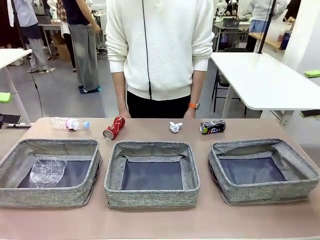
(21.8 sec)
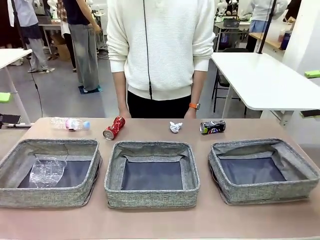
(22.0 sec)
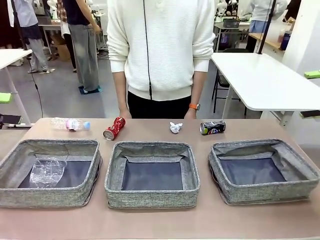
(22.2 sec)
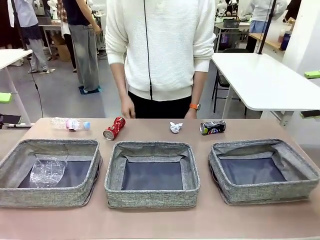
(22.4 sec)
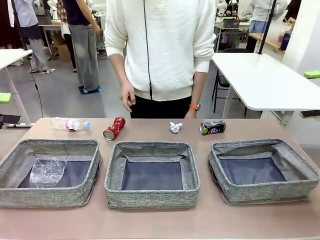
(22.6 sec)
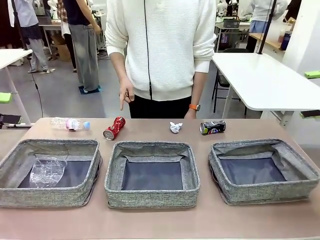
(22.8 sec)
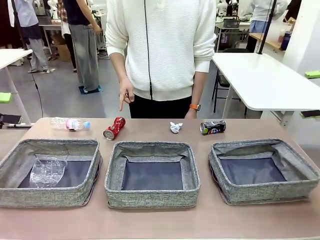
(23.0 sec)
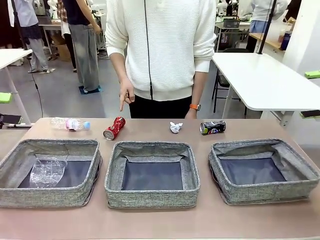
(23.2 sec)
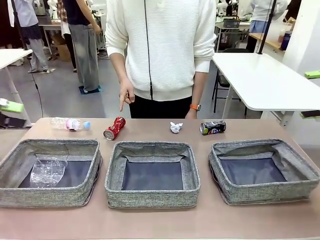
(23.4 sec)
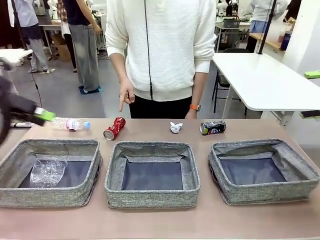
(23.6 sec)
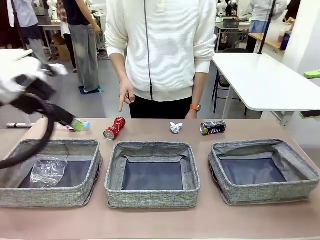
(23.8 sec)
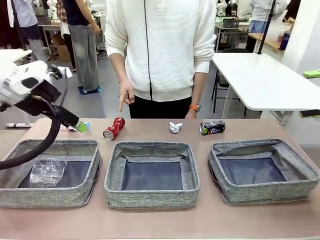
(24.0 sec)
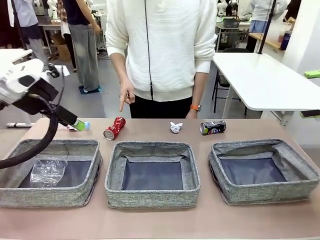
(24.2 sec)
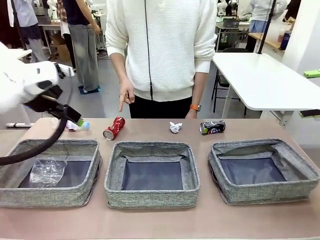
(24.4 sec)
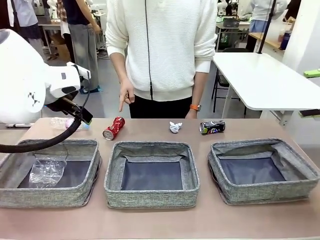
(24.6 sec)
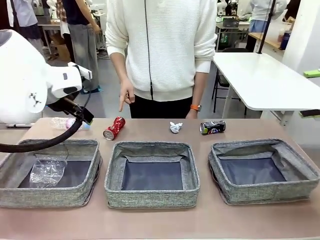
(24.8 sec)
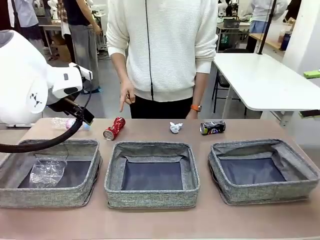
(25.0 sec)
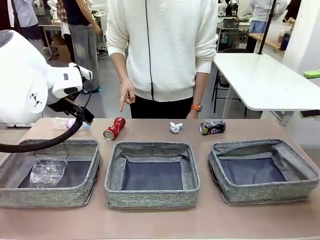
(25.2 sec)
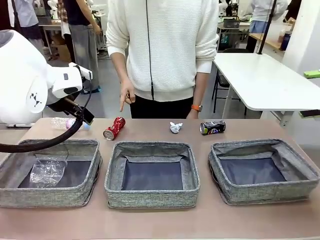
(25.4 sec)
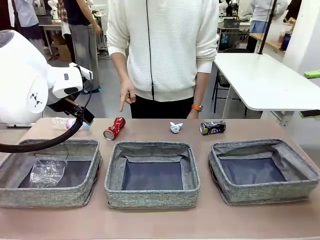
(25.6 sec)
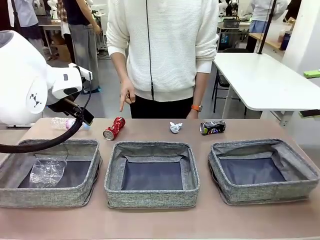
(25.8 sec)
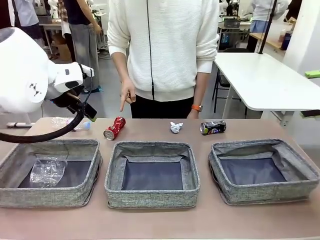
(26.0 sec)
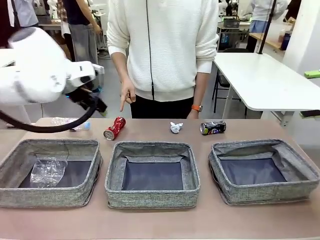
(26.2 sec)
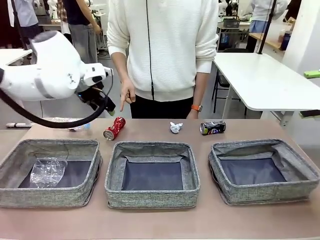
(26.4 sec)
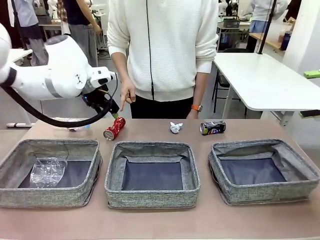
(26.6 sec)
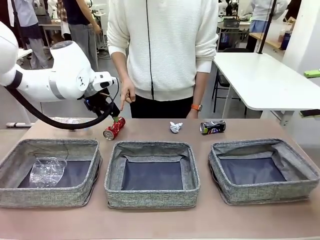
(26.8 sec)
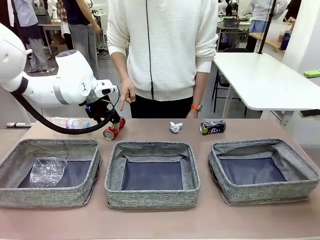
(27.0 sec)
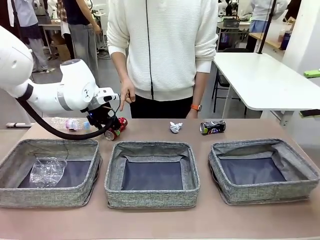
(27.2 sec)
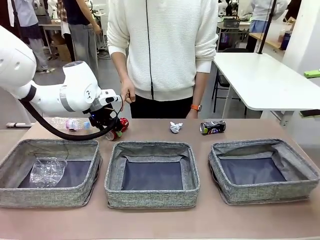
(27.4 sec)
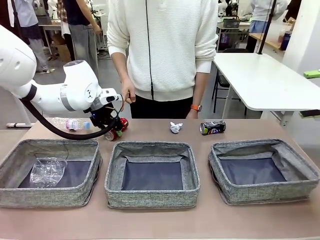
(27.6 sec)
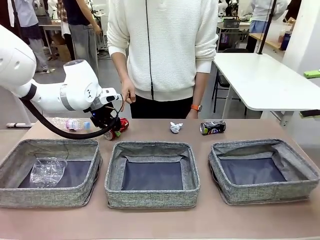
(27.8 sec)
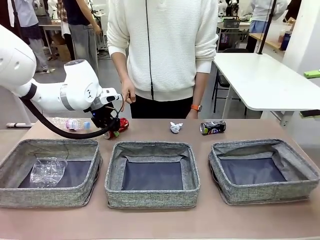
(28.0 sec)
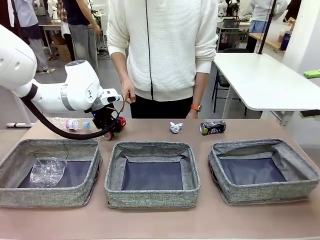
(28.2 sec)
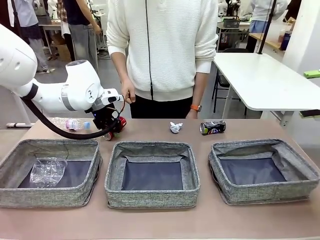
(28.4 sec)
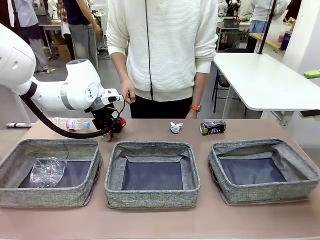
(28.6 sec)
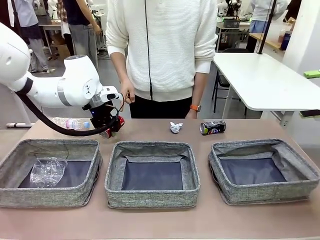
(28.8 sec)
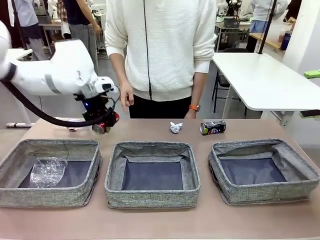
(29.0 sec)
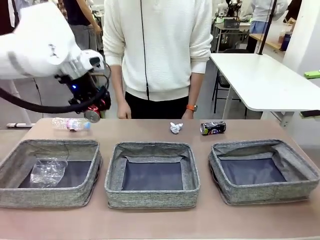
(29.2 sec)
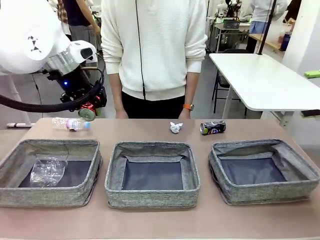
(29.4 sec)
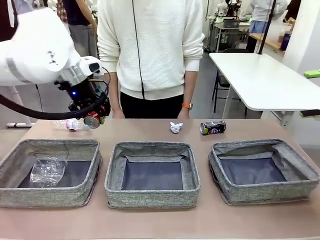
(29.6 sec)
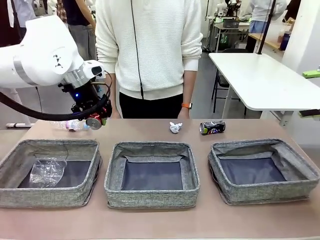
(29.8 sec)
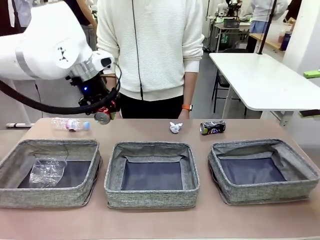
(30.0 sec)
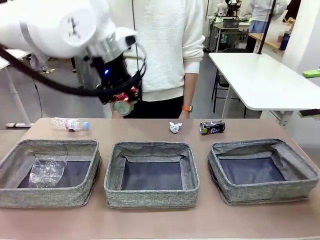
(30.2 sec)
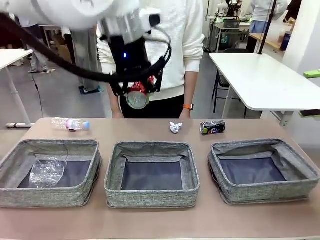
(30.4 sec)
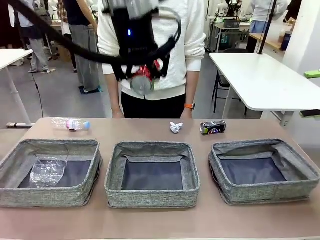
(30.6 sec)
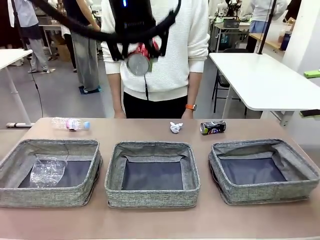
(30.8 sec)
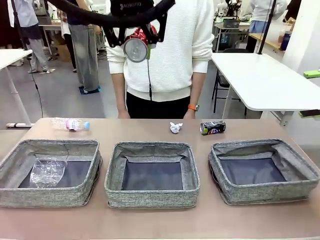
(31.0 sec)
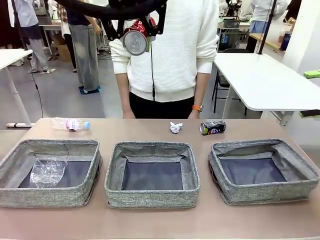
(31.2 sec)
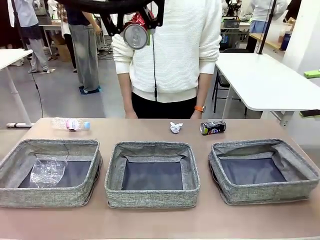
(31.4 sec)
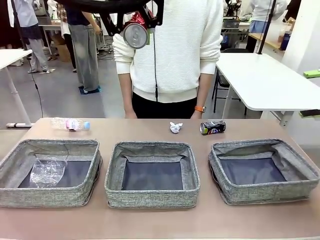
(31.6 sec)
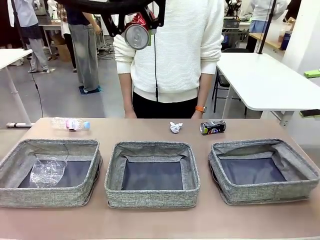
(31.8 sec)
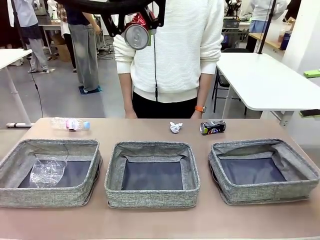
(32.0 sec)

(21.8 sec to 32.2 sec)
Task: Sort the waste into the appropriate baskets.
Robot: Pick up the waste item pointed out by the person.
Person: Points to one piece of trash on the table.

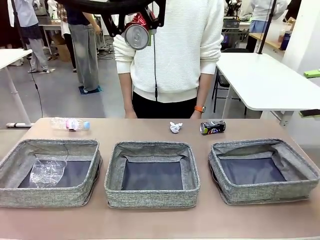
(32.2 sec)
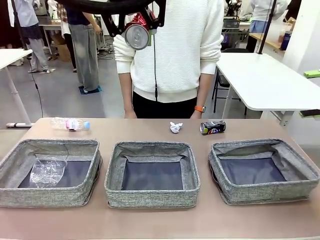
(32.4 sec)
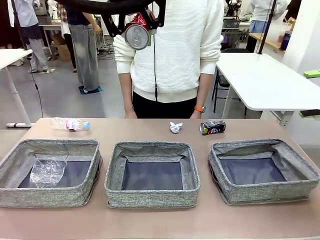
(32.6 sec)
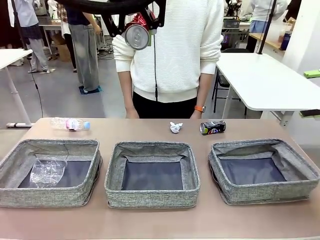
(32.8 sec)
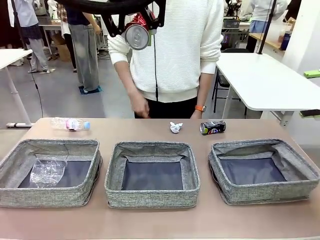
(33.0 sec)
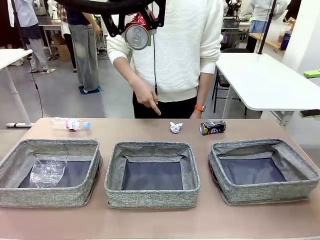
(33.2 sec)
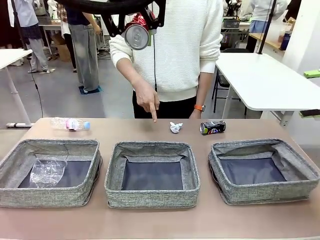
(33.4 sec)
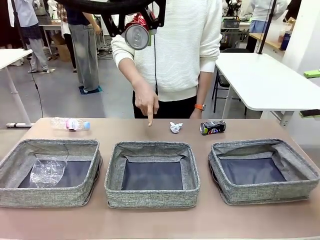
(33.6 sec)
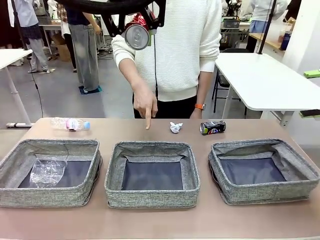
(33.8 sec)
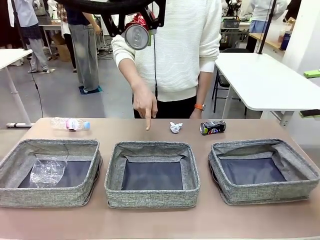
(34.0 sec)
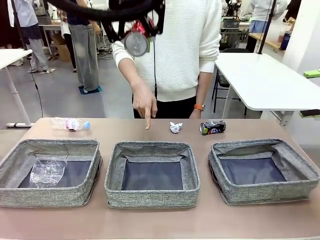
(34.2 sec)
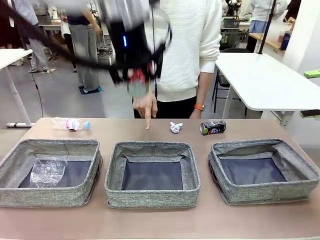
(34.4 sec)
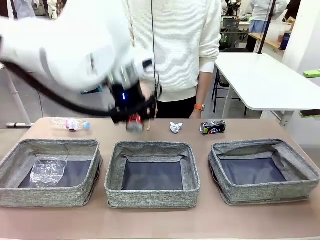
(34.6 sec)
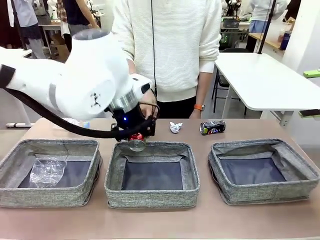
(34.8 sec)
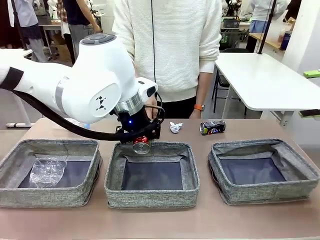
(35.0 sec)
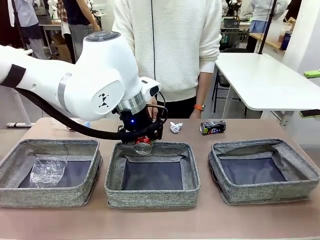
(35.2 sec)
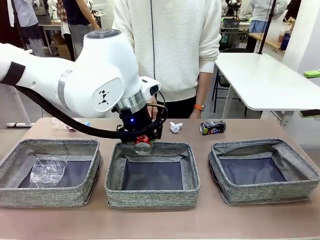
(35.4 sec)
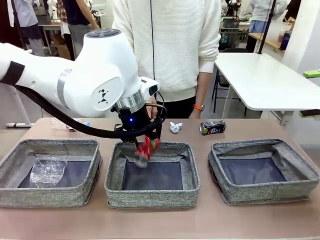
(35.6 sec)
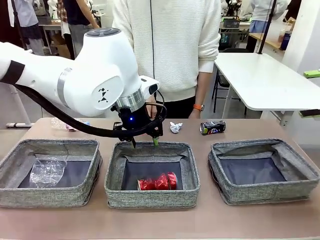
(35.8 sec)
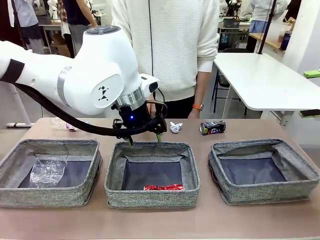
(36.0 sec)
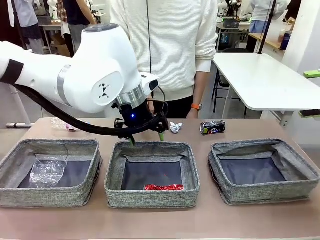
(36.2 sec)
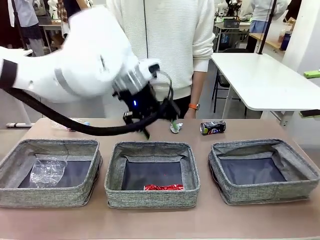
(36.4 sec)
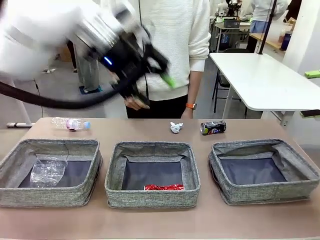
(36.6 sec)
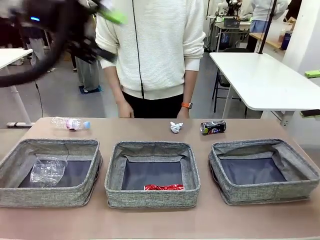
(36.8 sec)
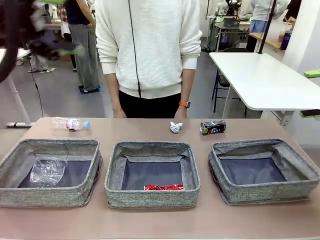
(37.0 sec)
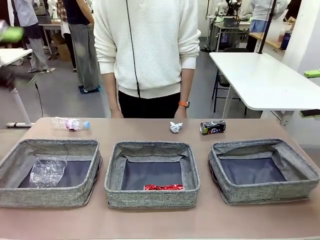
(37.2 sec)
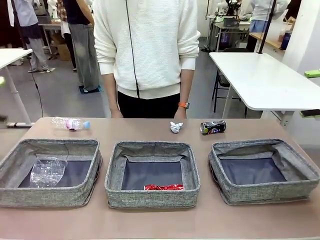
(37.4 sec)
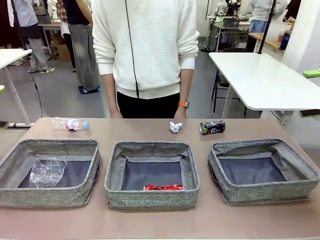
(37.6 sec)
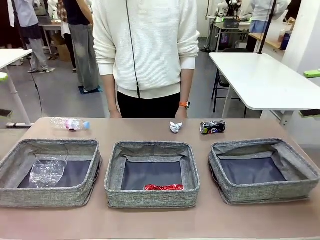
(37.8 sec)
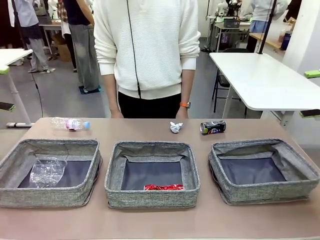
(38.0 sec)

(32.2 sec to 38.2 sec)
Robot: Place the picked waste into the Fabric basket indicated by the person.
Person: Instructs the robot to place the picked-up trash into the appropriate organizing basket.
